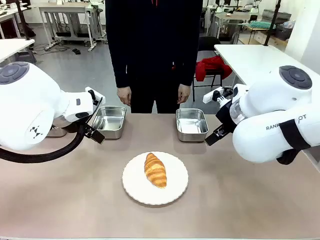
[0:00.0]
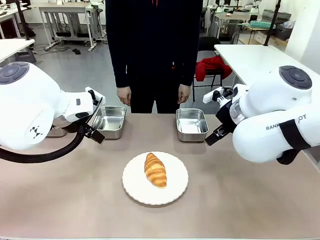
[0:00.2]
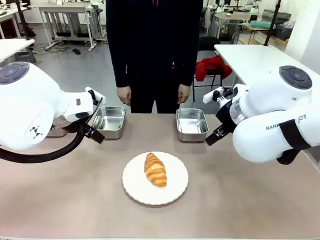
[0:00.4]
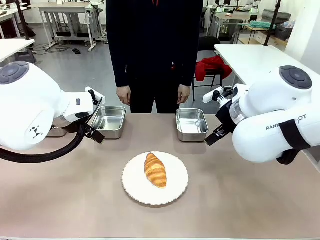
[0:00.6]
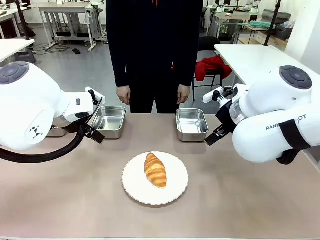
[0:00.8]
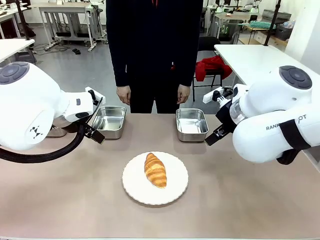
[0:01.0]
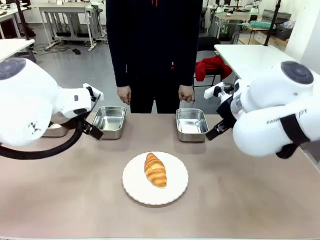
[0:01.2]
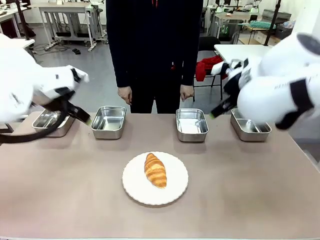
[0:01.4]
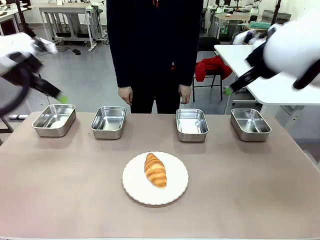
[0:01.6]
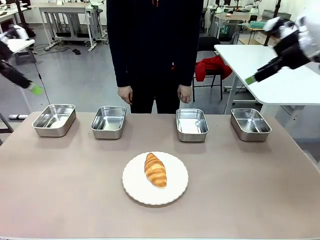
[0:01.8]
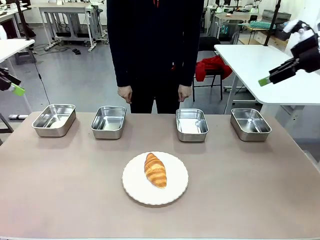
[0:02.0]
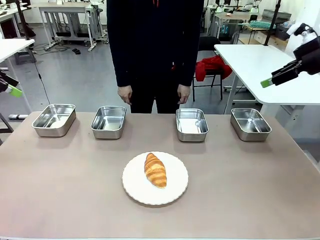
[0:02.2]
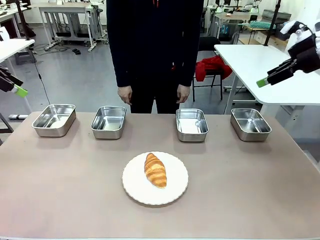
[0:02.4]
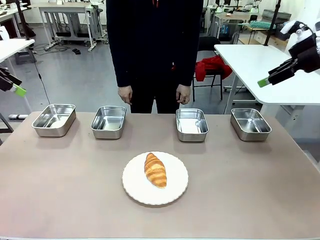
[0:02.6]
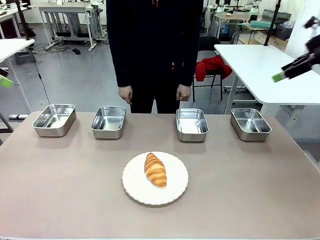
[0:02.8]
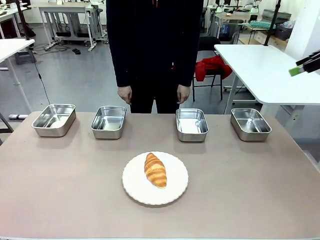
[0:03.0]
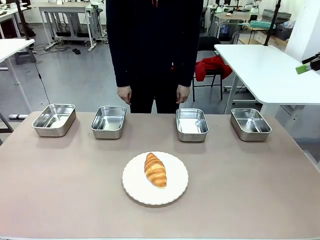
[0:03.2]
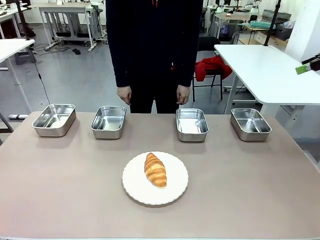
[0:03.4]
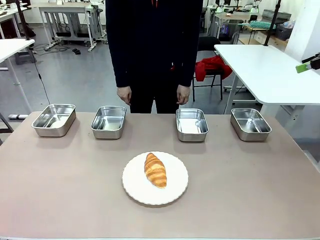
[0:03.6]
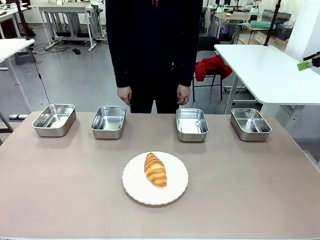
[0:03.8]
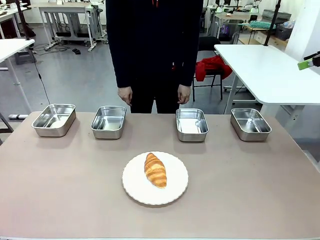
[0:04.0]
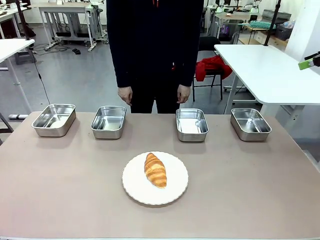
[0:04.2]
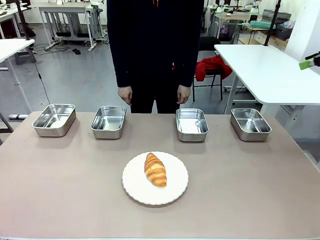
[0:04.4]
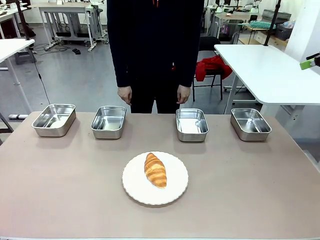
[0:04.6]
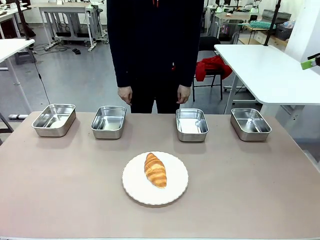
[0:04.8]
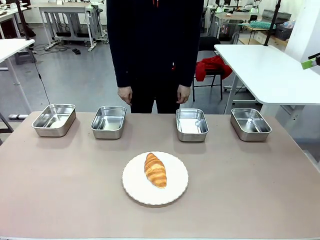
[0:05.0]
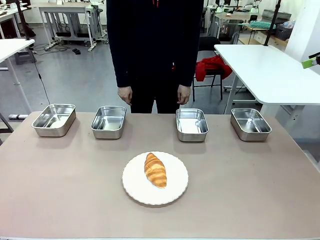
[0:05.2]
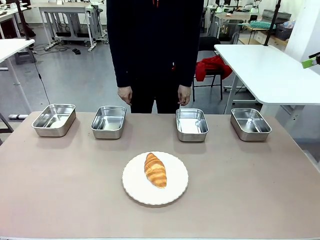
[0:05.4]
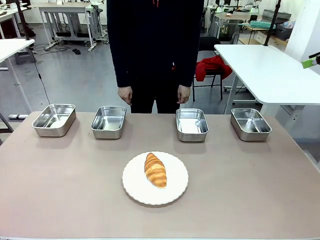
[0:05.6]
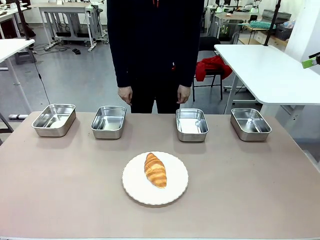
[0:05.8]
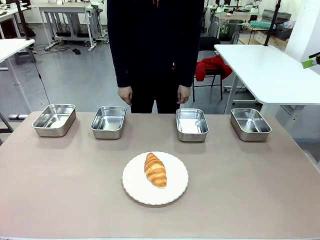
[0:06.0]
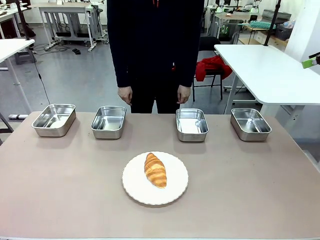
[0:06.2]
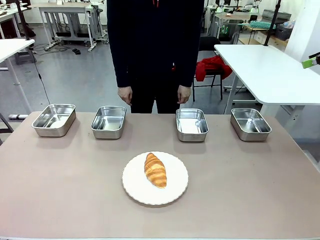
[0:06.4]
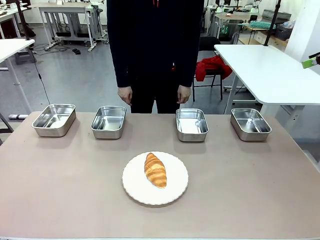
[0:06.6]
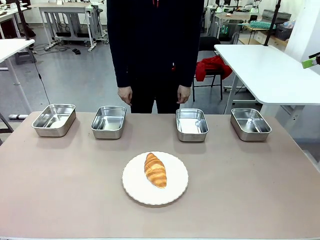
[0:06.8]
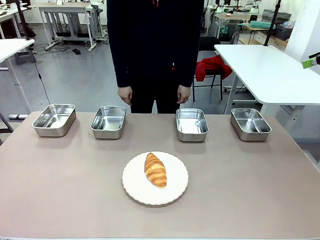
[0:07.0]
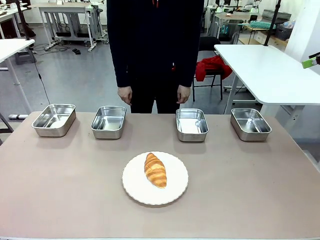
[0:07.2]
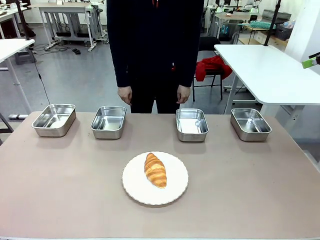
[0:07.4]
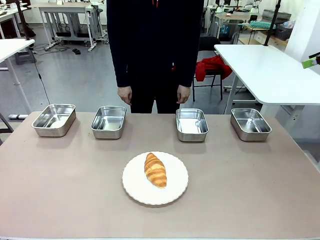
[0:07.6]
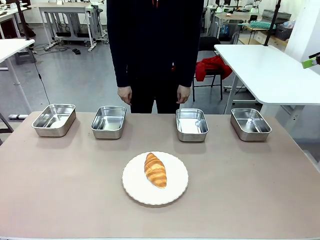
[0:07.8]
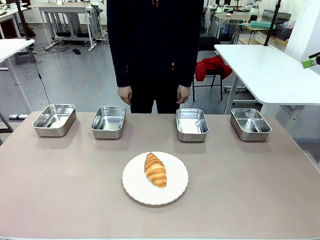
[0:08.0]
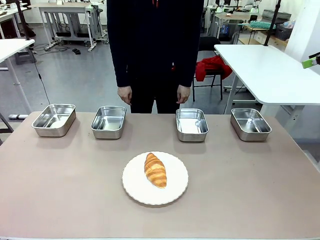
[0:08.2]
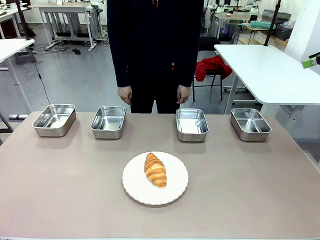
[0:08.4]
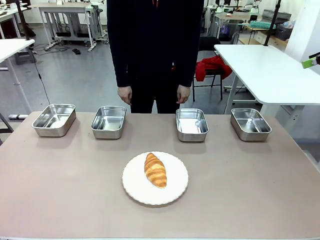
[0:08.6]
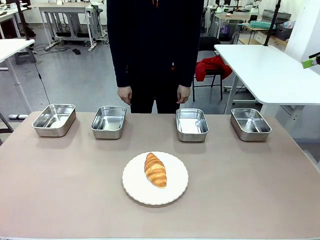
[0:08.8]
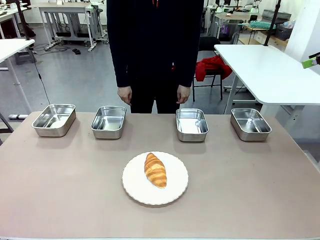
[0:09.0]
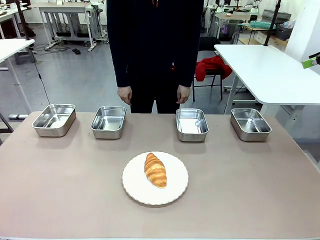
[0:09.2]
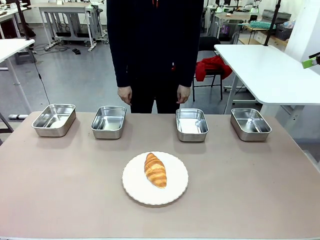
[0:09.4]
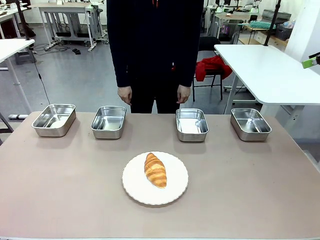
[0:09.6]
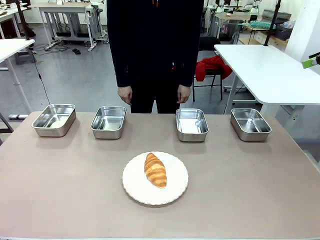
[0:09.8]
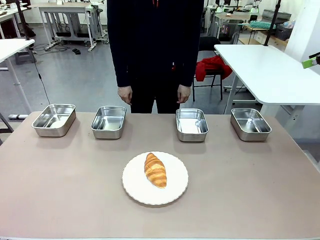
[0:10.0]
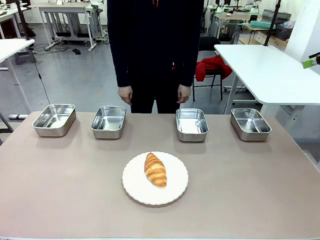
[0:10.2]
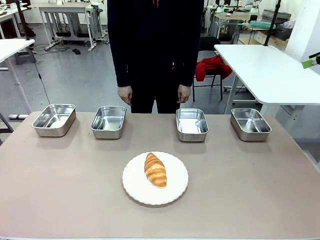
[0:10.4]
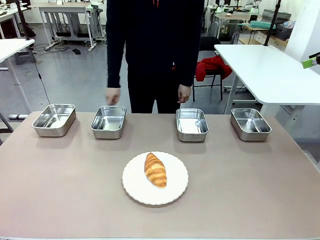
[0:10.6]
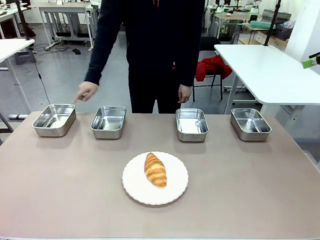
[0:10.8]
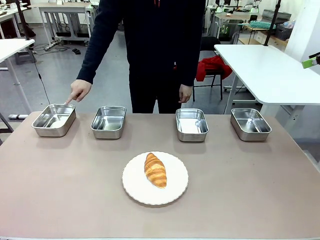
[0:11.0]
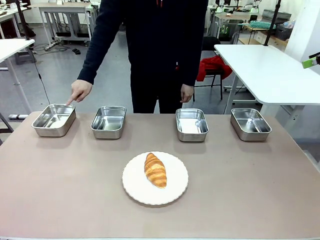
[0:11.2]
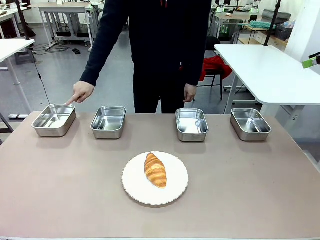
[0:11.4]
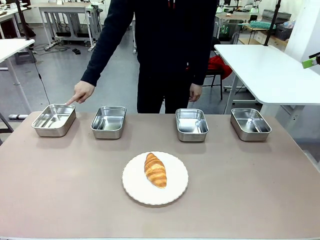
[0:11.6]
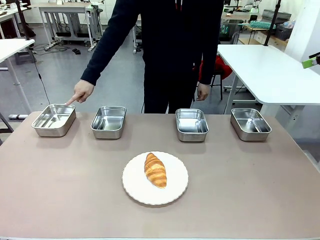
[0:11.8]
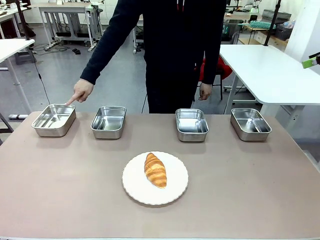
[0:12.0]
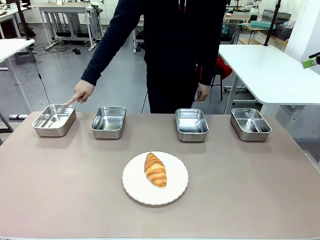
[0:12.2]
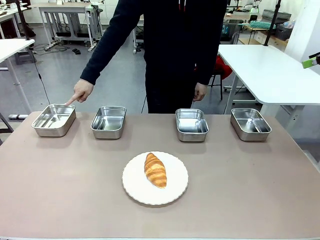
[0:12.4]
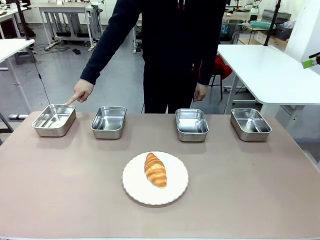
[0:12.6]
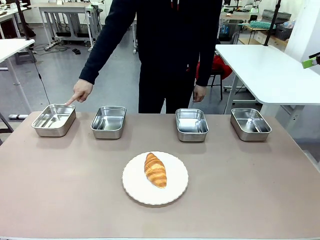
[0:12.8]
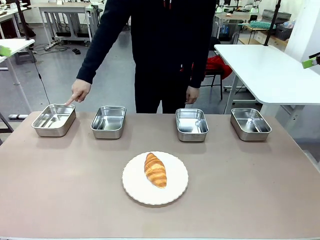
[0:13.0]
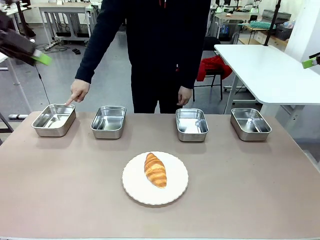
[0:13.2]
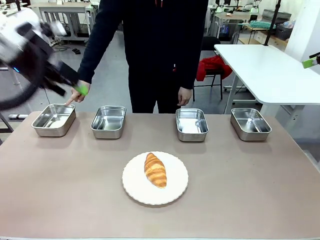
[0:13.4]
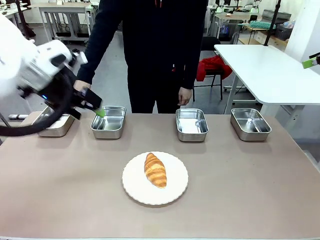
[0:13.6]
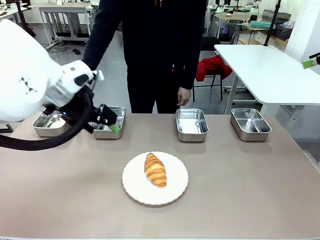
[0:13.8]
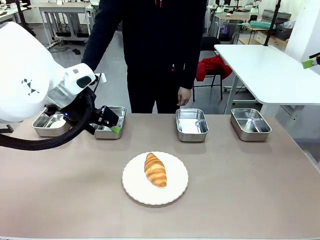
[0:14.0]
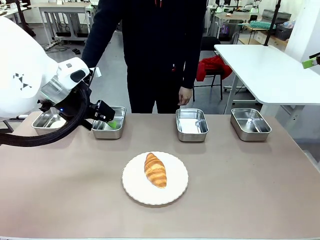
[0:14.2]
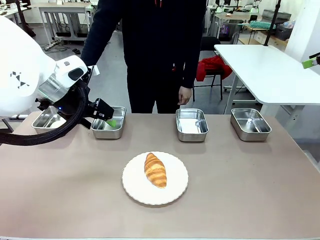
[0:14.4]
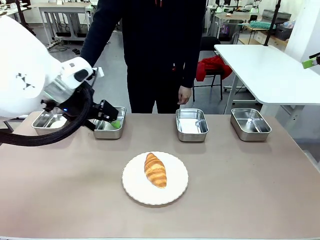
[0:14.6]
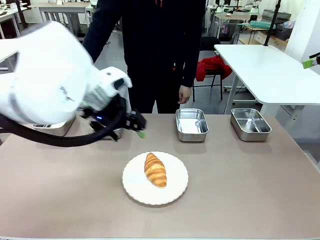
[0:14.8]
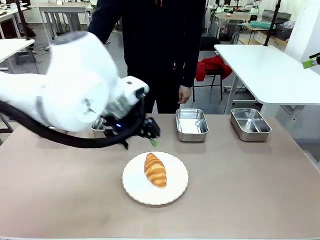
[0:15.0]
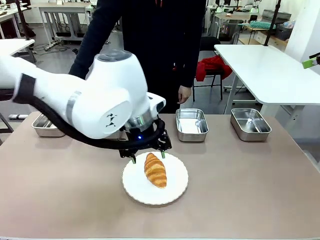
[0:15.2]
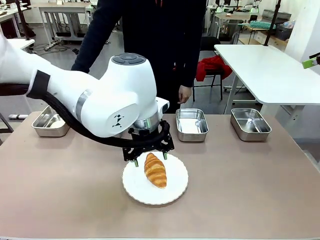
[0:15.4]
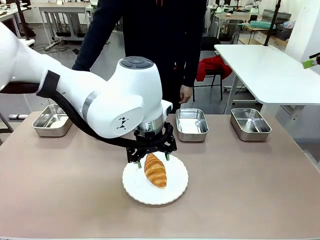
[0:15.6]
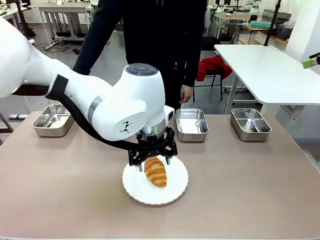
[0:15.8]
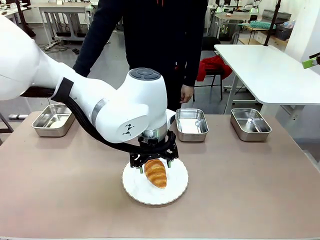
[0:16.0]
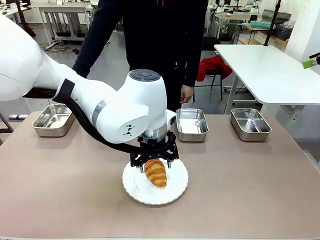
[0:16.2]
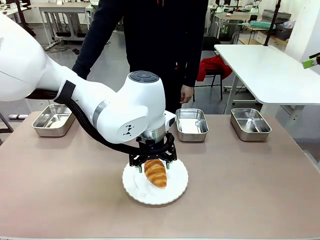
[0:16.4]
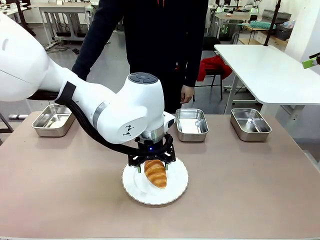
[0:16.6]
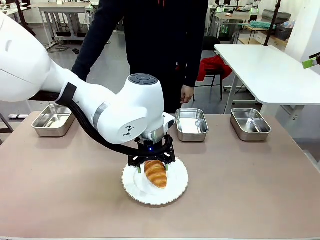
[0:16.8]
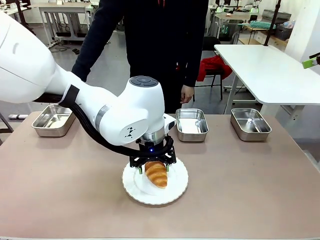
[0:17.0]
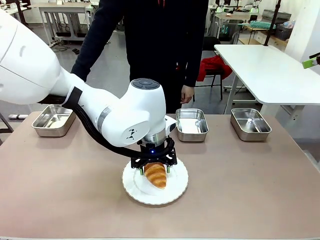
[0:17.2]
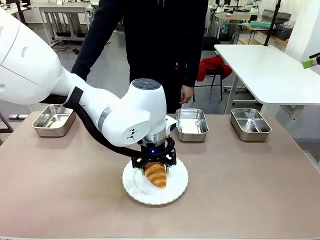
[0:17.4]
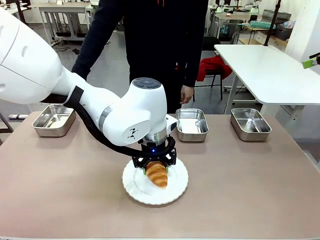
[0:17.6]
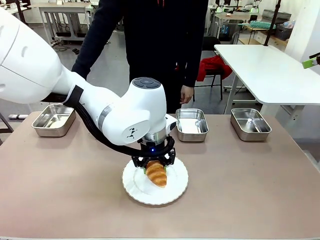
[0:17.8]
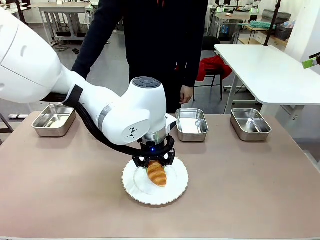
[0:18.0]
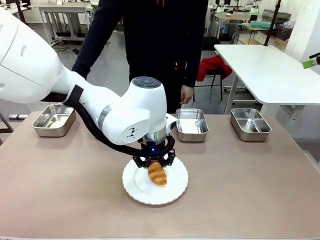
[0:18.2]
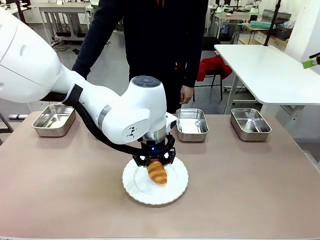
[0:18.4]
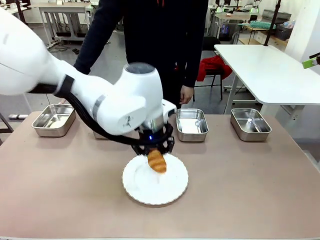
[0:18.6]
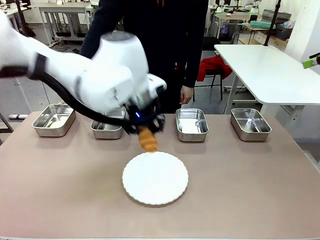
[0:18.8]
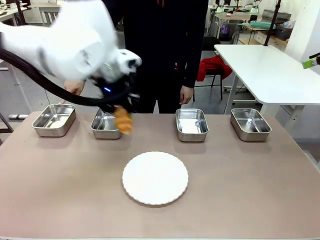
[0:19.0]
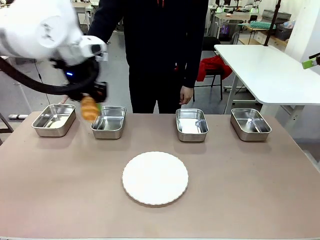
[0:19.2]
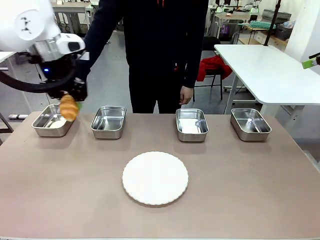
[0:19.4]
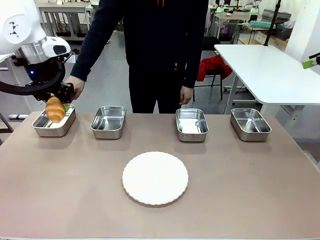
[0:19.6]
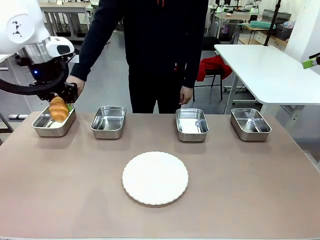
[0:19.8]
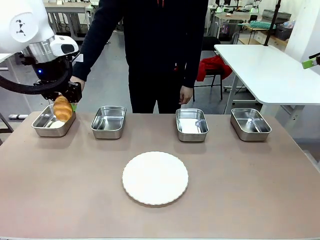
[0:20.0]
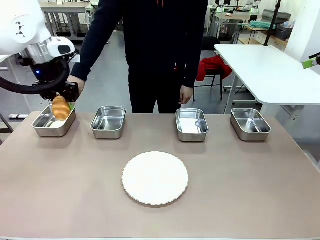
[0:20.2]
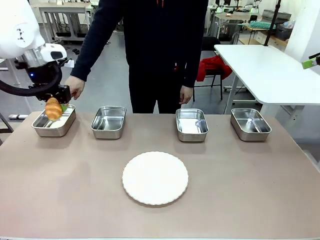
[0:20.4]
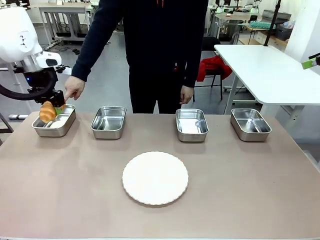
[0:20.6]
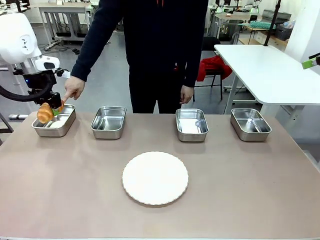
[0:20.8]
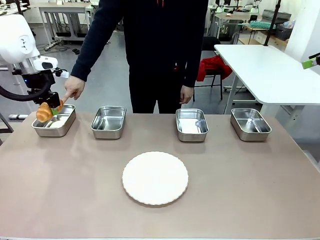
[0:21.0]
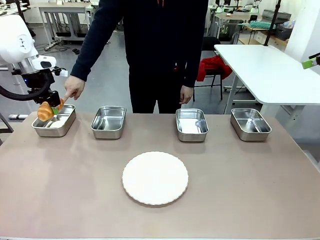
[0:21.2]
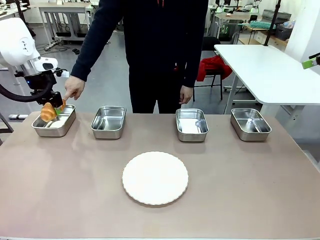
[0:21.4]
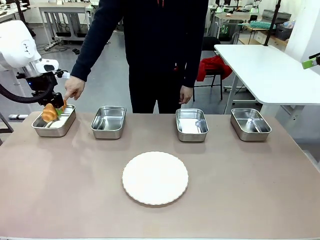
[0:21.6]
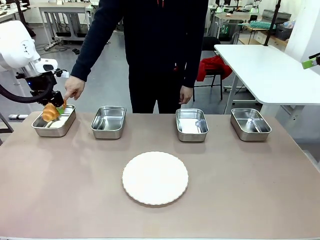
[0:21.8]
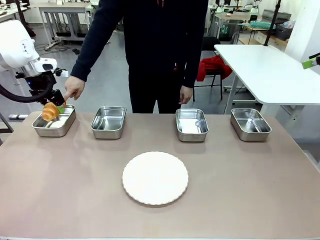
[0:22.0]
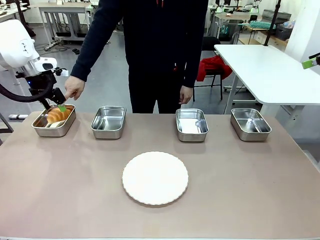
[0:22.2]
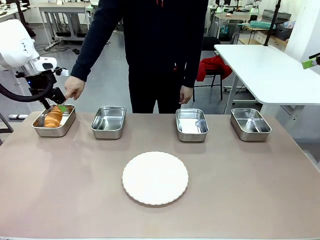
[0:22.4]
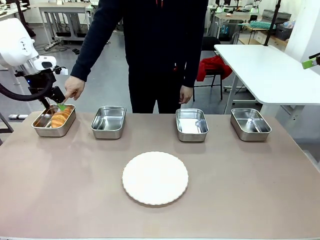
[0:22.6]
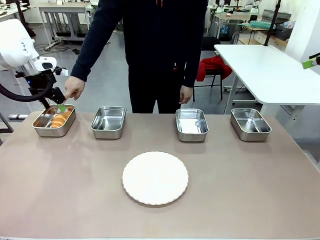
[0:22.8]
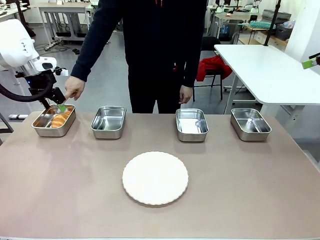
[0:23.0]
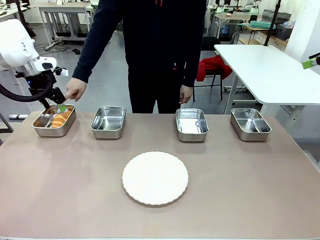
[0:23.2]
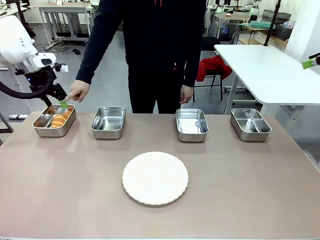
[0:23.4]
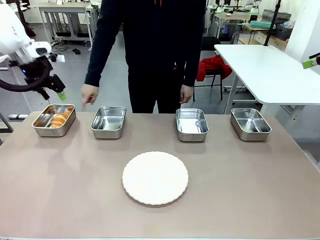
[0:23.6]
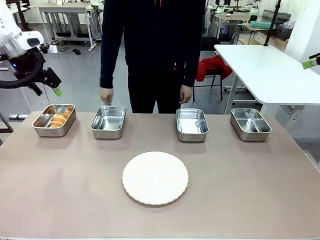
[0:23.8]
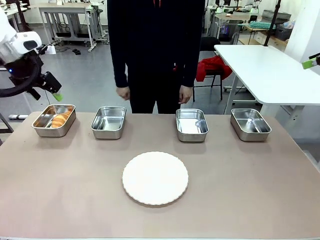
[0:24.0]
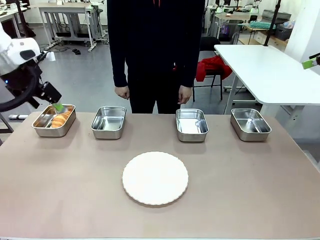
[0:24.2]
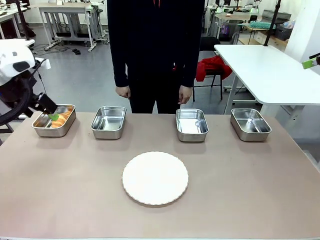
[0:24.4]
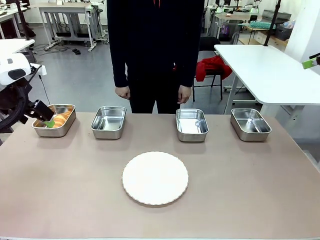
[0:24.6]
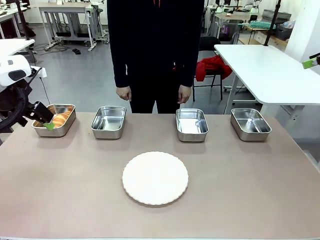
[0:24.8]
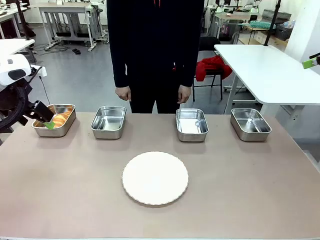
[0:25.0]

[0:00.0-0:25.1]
Task: Place the bread in the container.
Robot: Place the Butter Roll into the Airtight Container indicated by the human.
Person: A person randomly selects and points to an Airtight Container.
